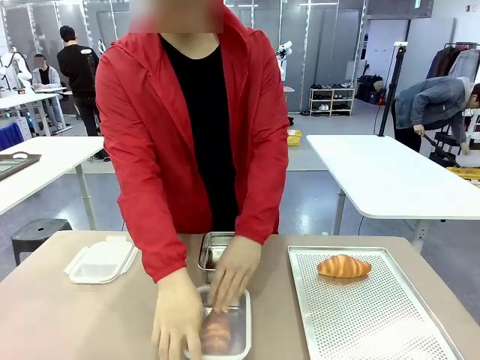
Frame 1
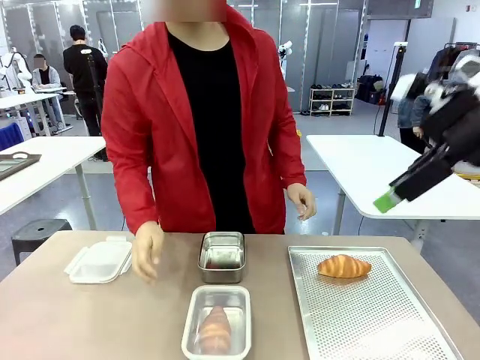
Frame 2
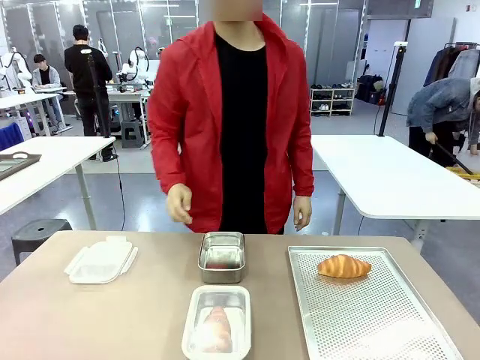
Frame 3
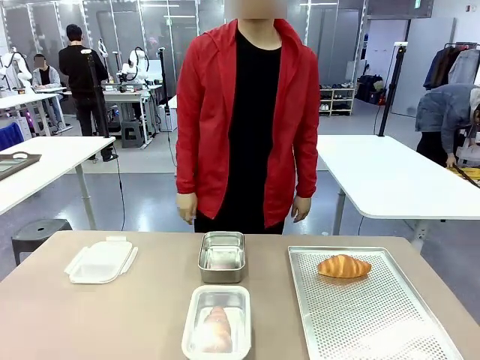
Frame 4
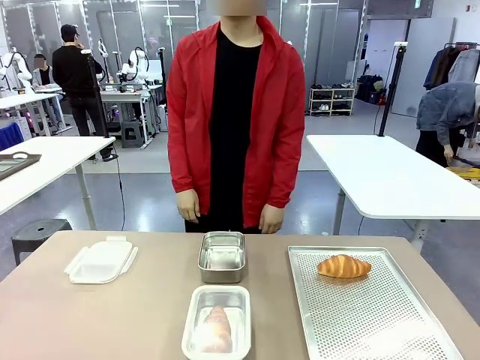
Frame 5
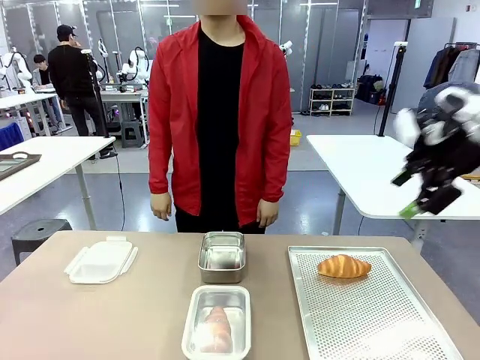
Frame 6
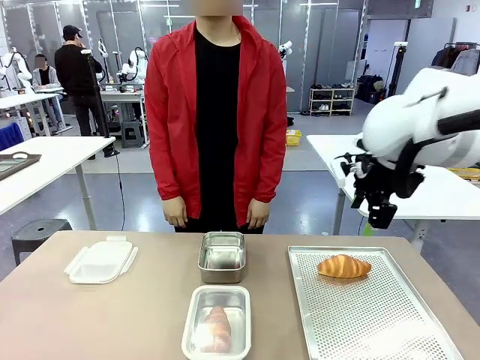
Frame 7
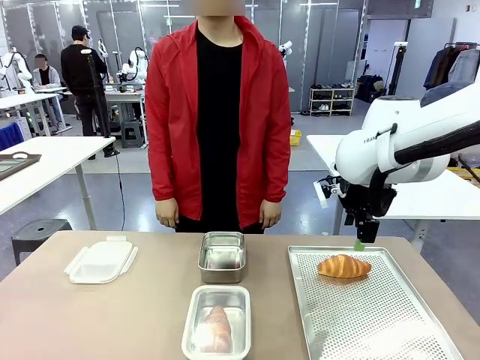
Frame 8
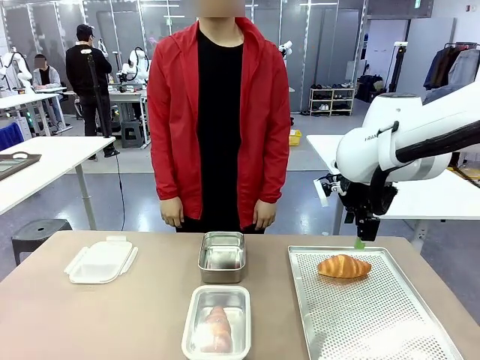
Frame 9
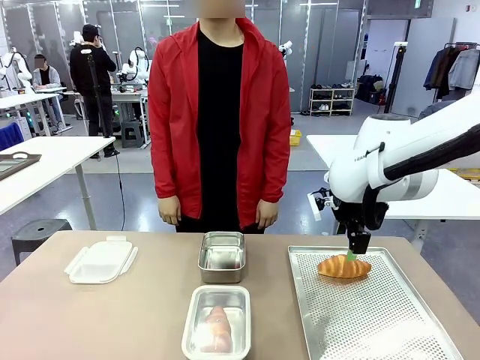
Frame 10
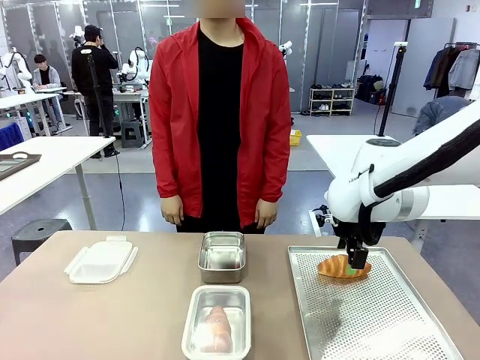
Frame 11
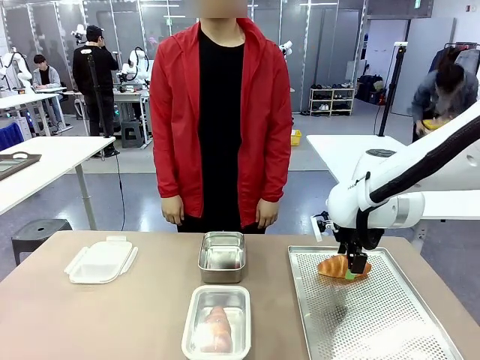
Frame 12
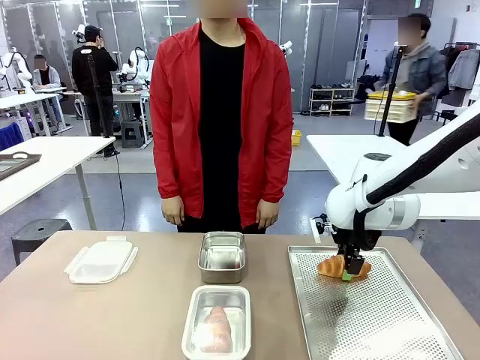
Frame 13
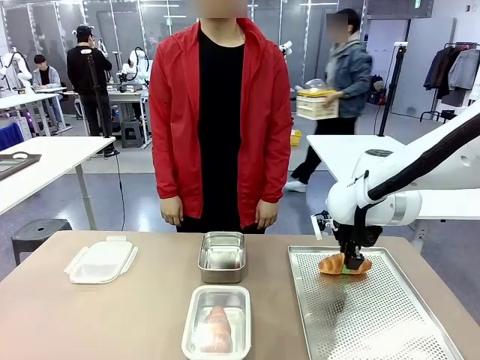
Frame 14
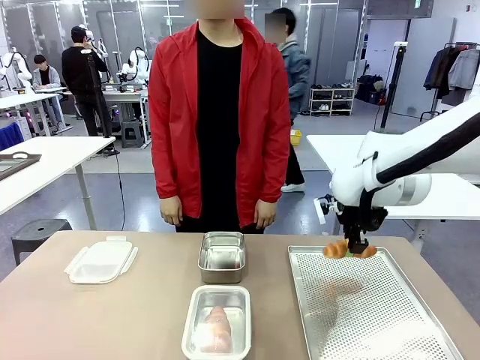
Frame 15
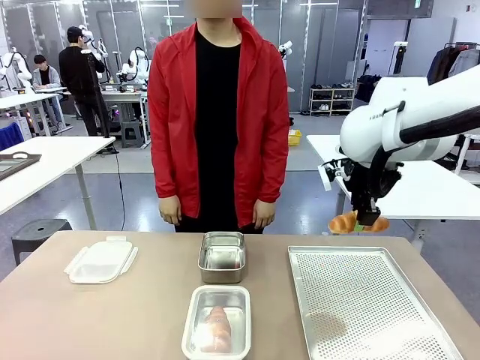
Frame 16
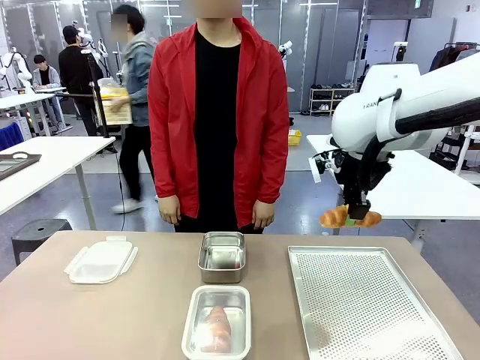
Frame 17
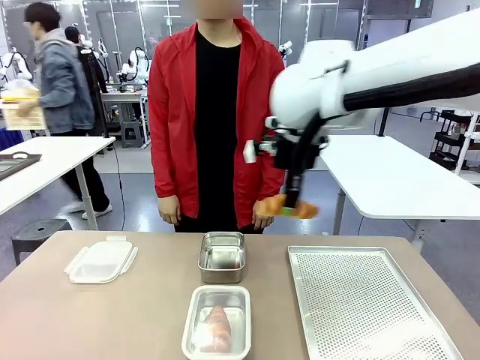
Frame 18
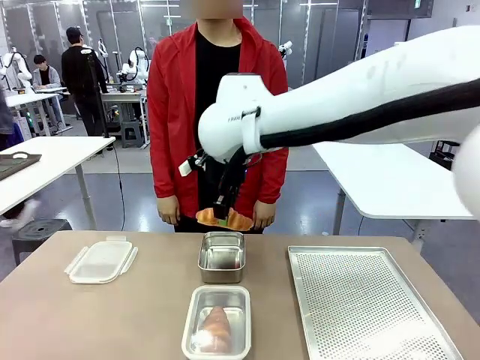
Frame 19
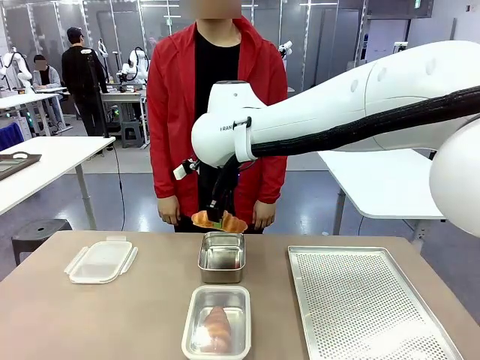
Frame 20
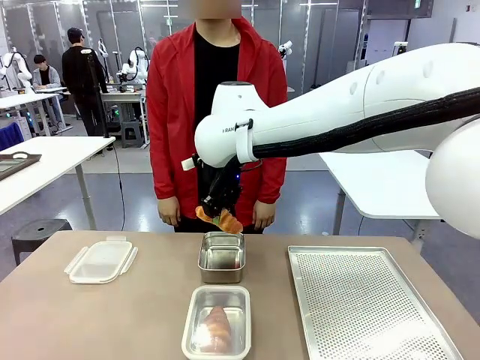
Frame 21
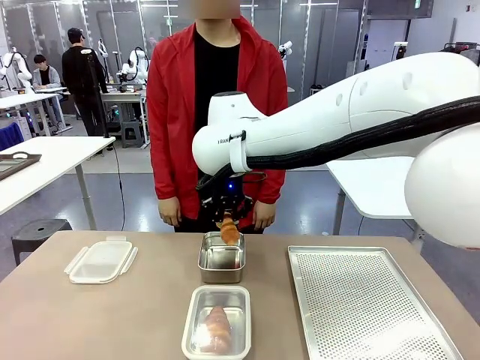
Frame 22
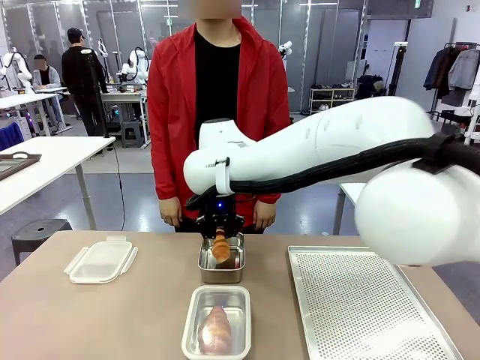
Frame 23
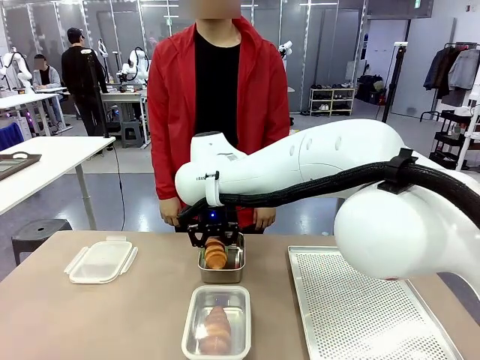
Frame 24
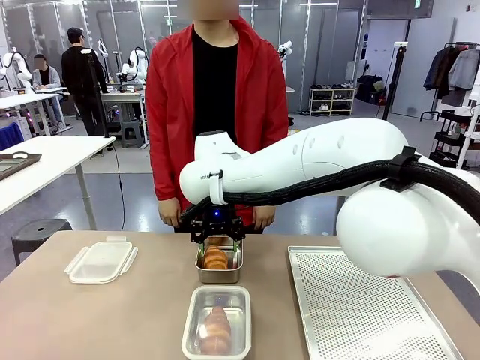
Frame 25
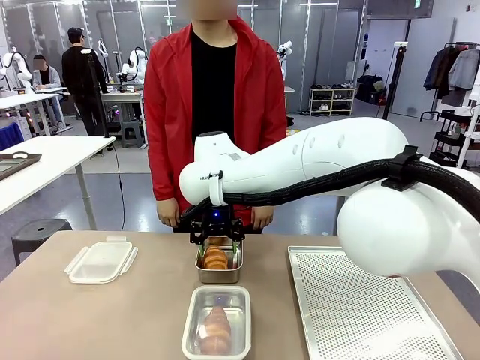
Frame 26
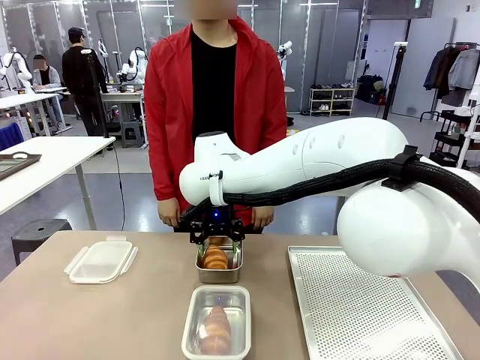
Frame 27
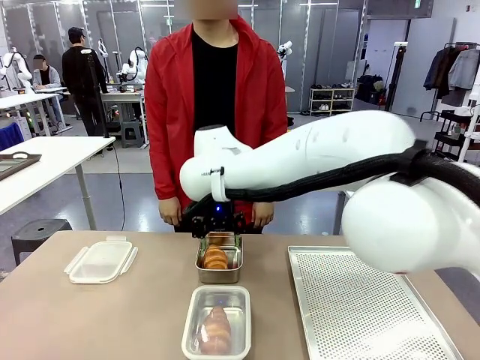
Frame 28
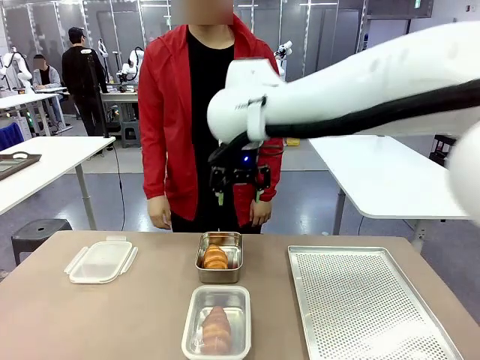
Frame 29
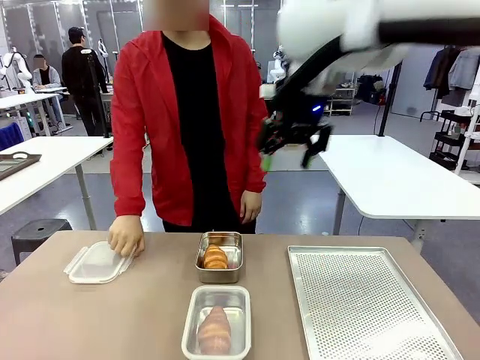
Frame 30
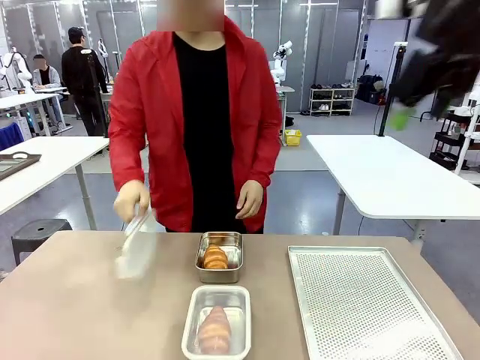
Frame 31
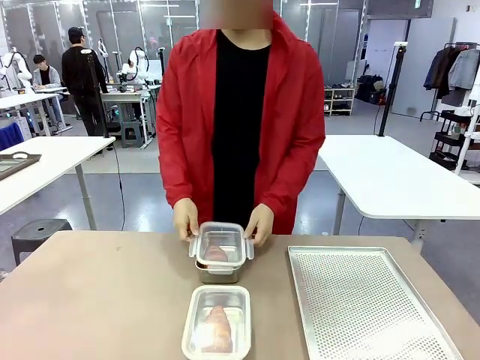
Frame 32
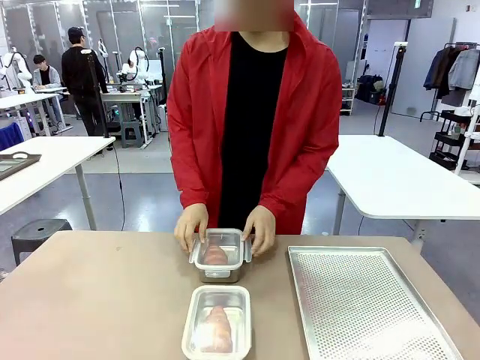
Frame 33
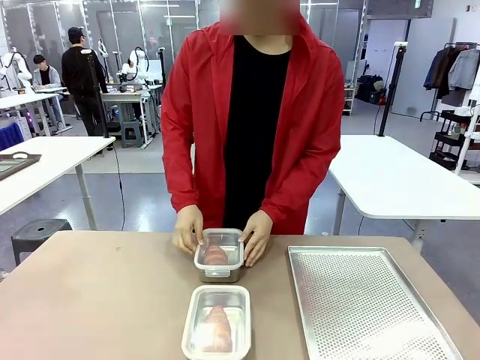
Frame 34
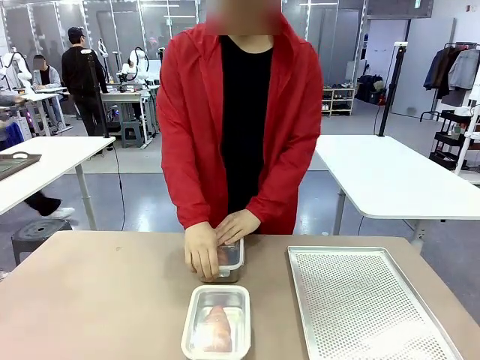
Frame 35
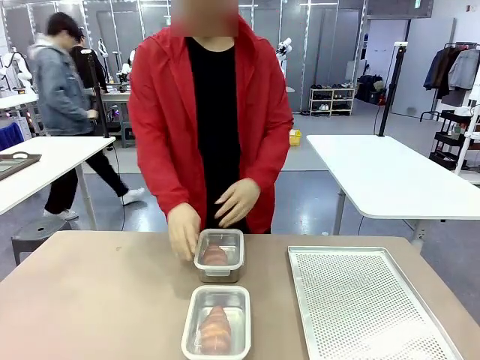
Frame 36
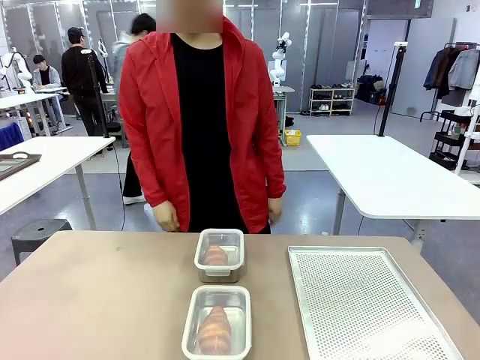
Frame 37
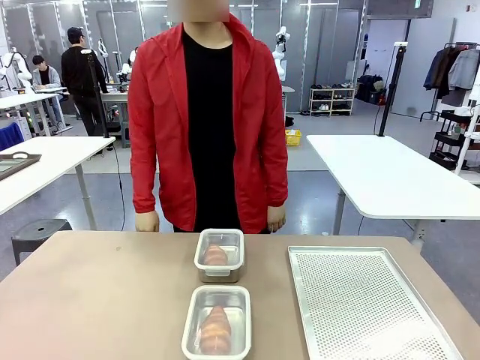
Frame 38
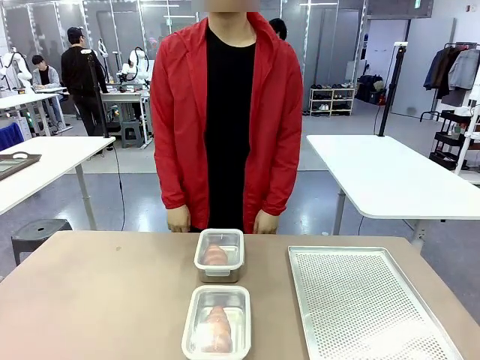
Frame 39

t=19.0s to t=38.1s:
Task: Place the bread into the airtight container.
Robot: Pick up a Butter Roll and place it into an empty Airtight Container.
Person: Once a Butter Roll is inside an Airtight Container , close the lid of that Airtight Container.
